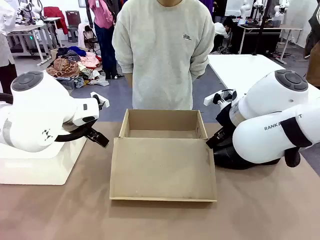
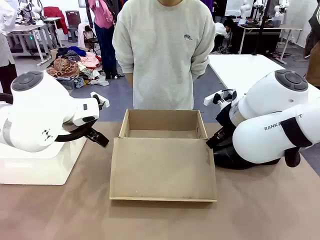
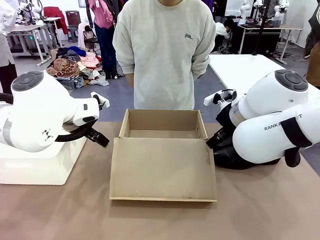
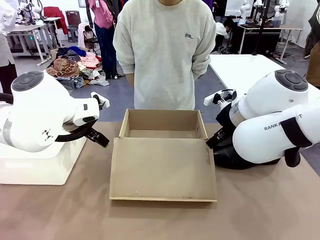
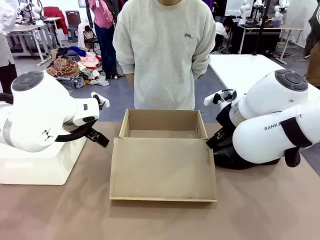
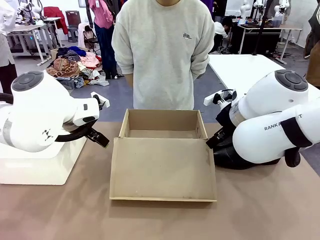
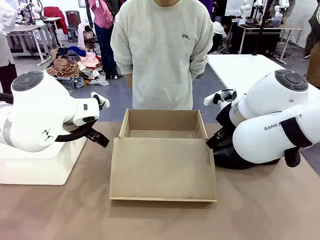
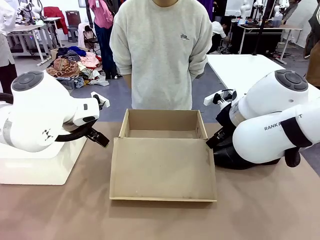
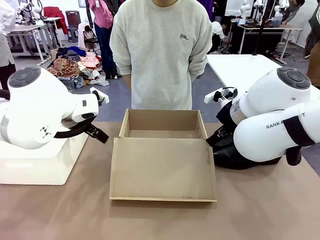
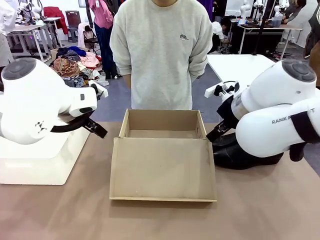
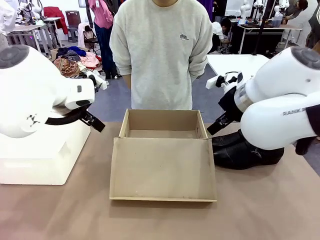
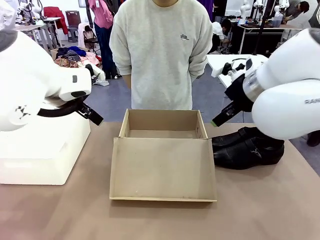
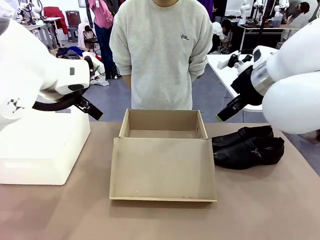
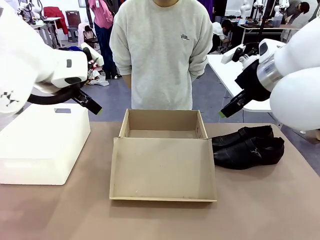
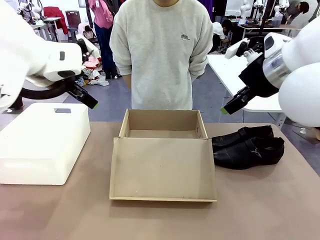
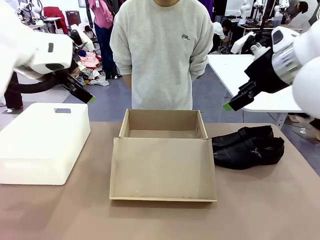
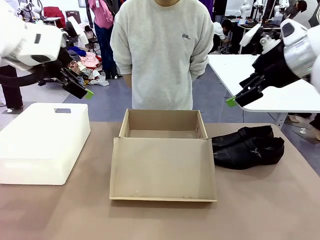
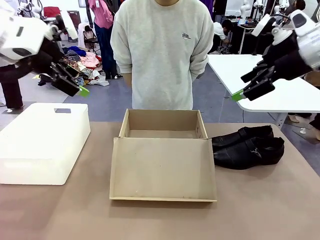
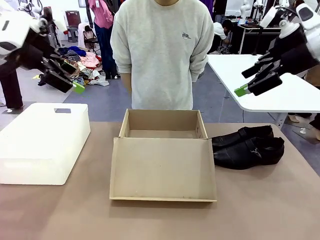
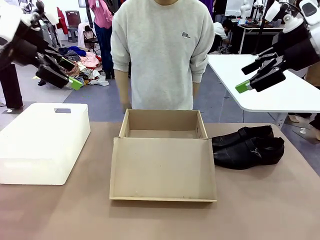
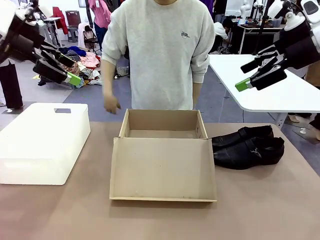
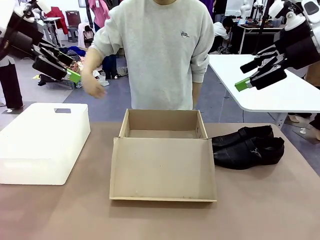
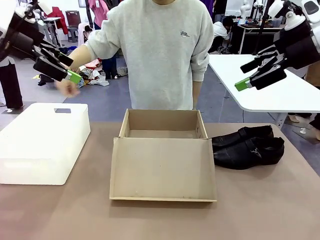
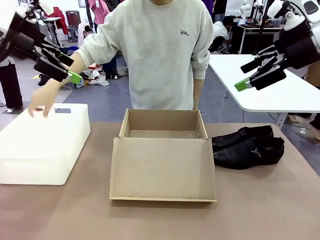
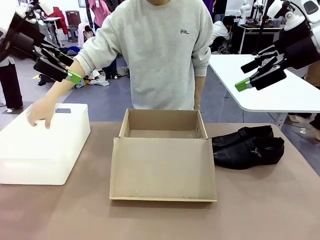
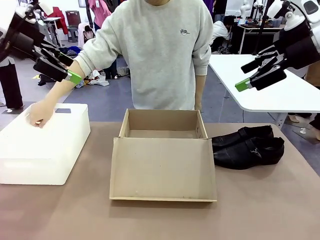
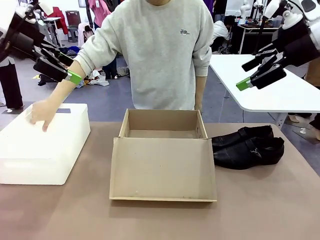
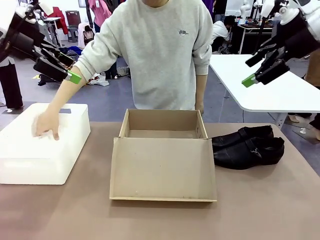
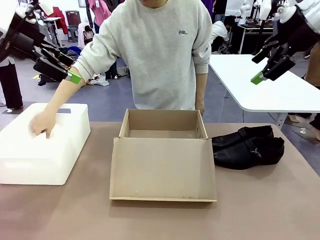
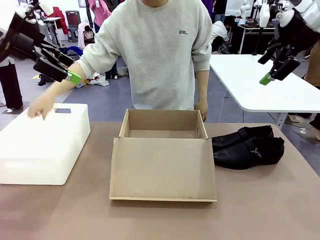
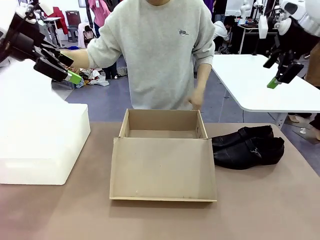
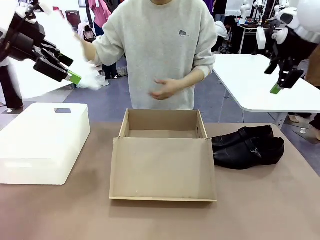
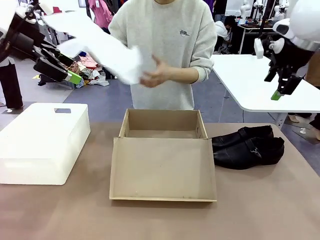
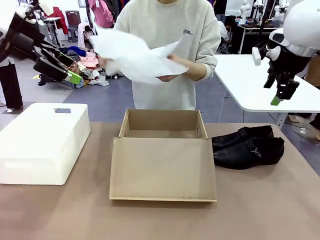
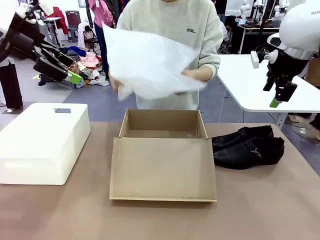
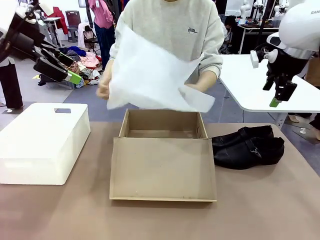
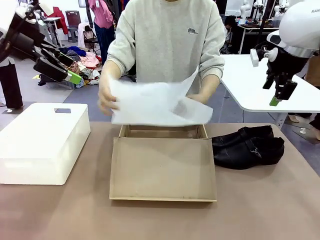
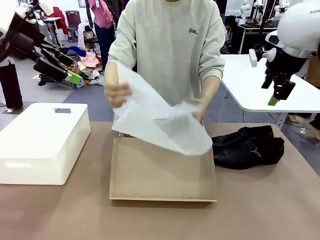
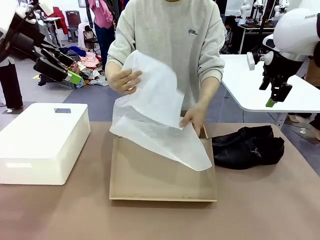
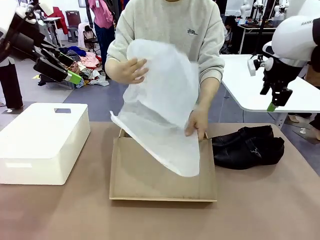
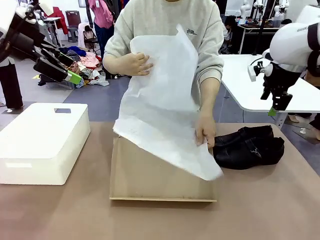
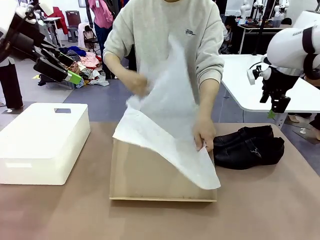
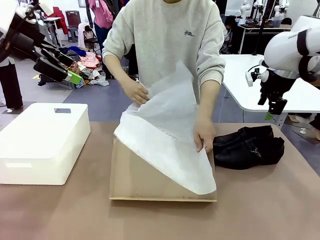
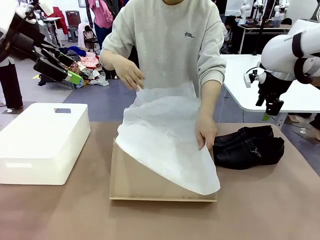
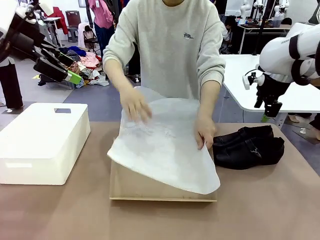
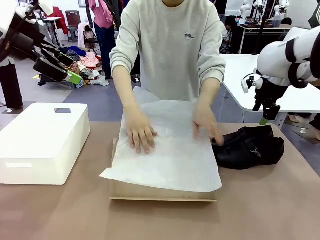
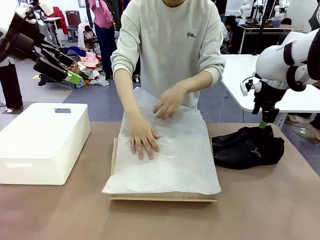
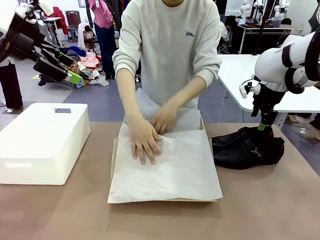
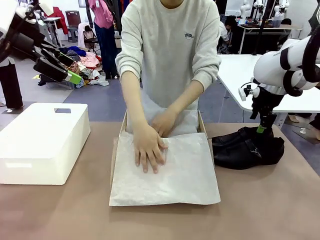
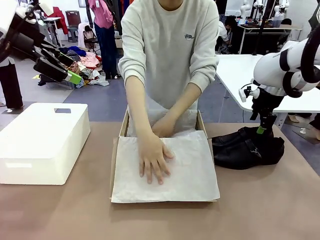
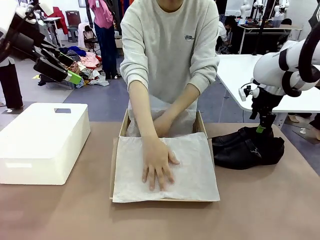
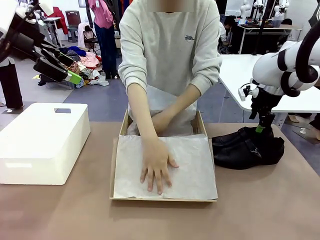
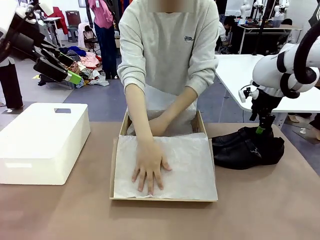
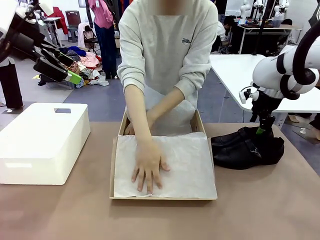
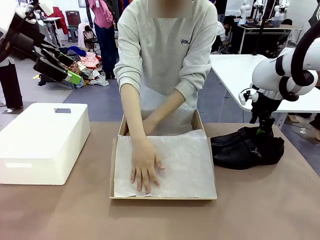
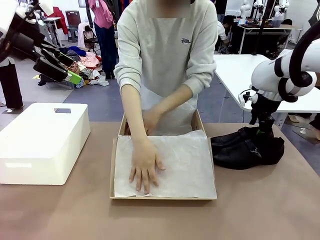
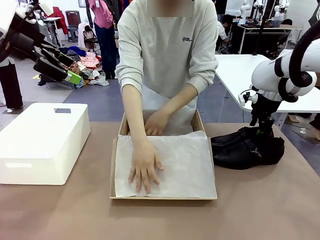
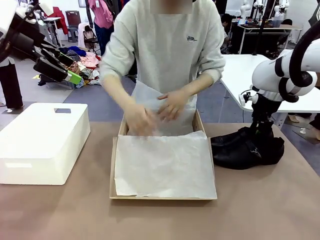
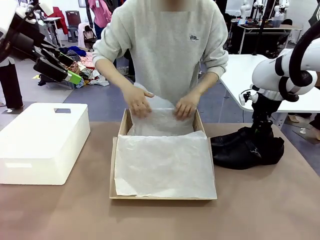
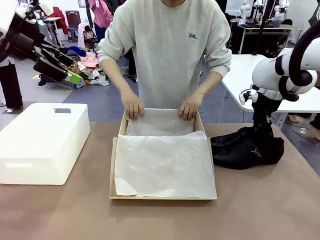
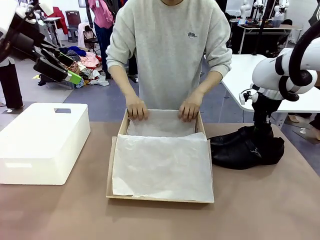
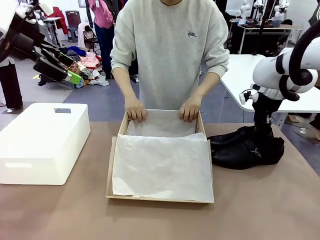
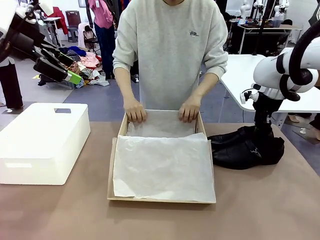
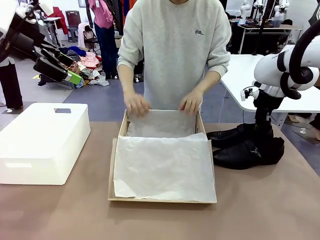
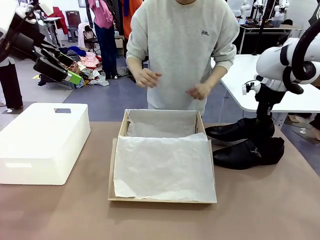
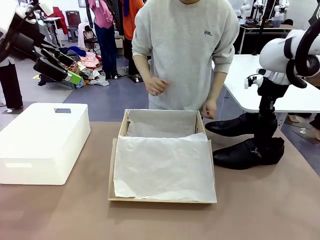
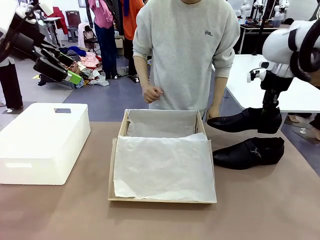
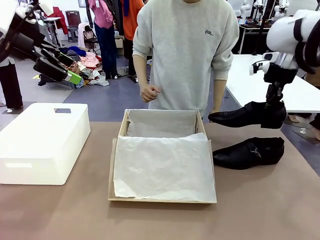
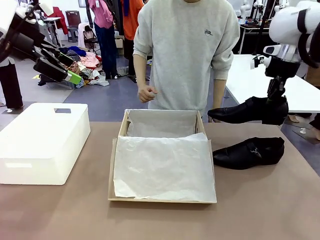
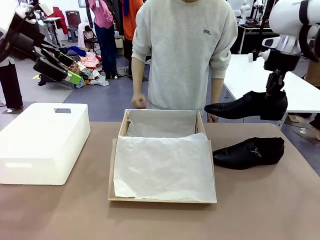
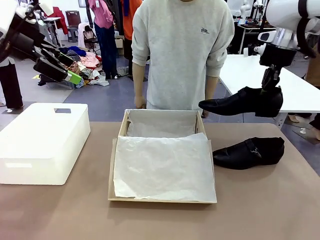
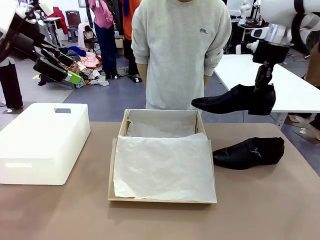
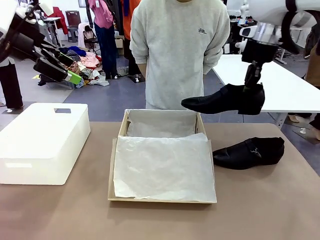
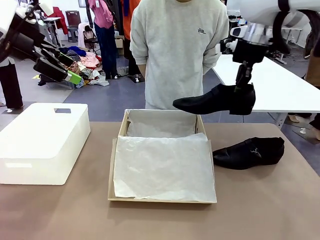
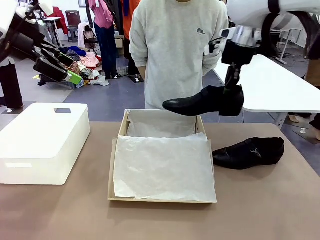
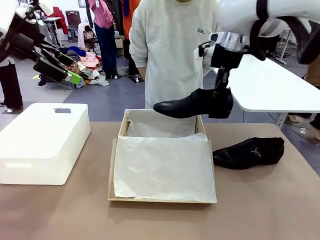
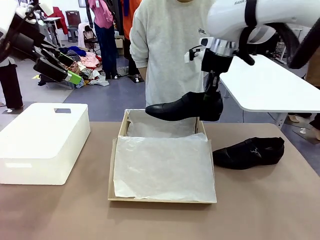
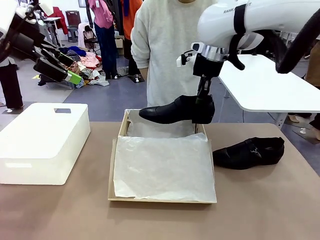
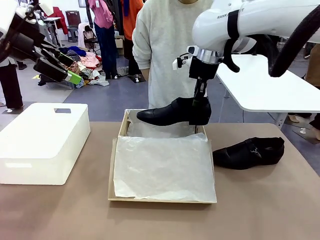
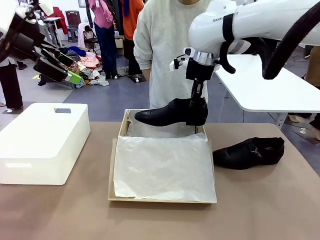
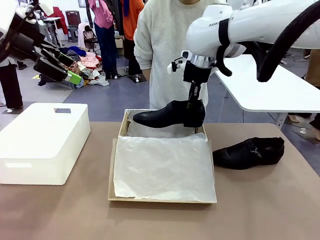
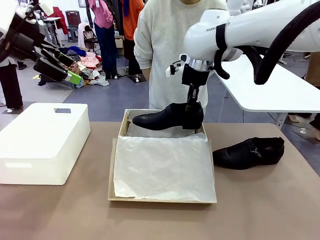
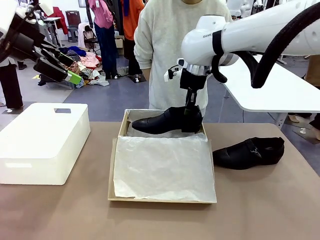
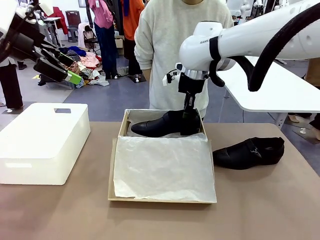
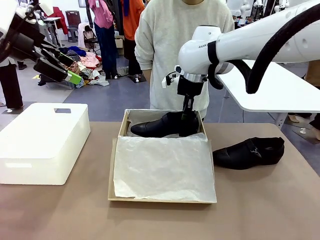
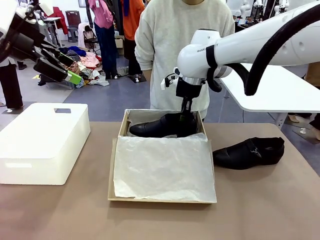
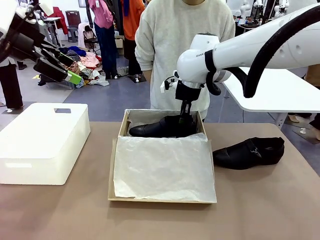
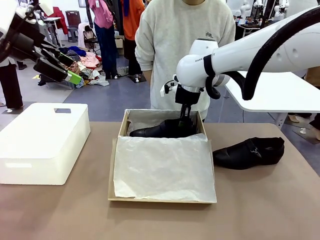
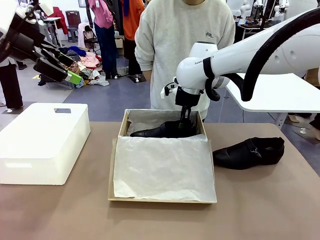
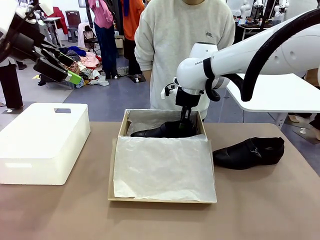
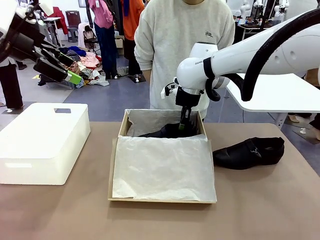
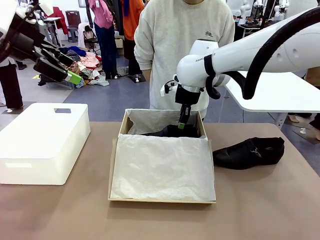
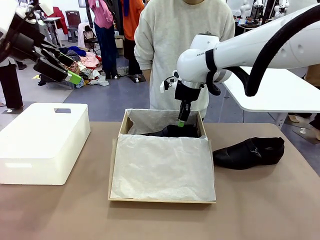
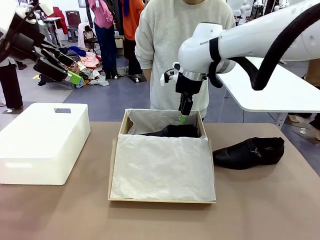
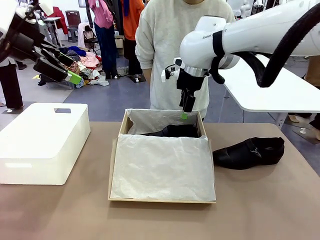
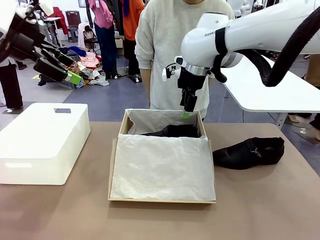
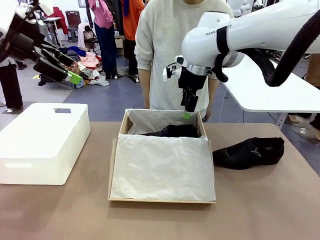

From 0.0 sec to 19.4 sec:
Task: Pack the shoes into the box.
Robot: Place one shoe of the Shoes into the Shoes Box.
Person: Spread Shoes Wrapping Paper and place inside the Shoes Box.
